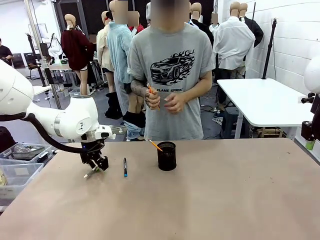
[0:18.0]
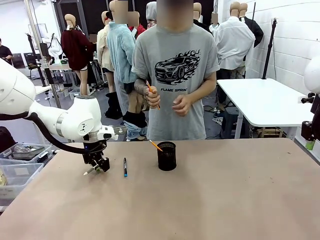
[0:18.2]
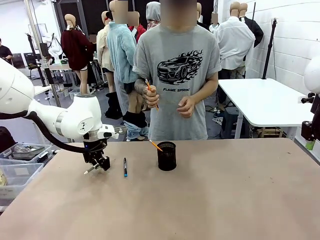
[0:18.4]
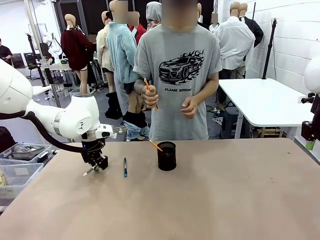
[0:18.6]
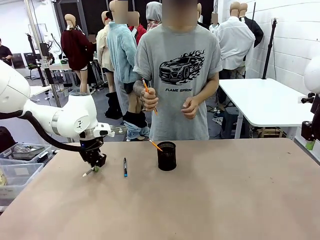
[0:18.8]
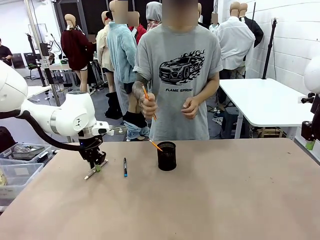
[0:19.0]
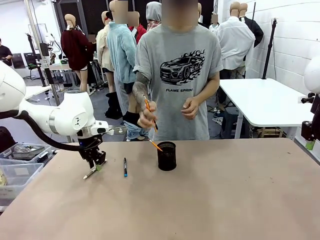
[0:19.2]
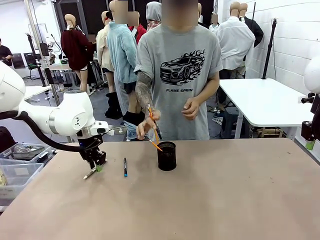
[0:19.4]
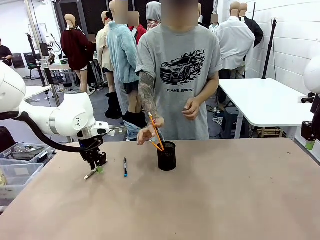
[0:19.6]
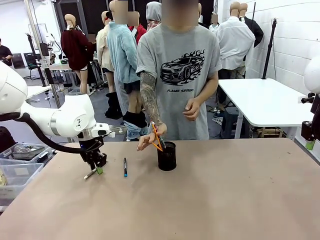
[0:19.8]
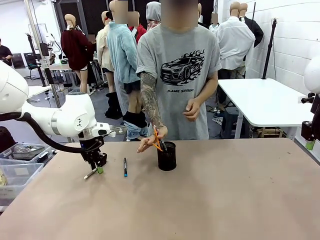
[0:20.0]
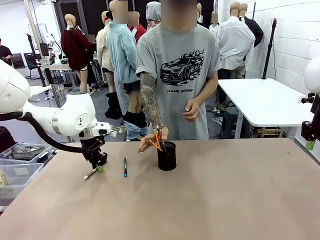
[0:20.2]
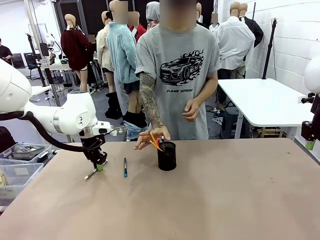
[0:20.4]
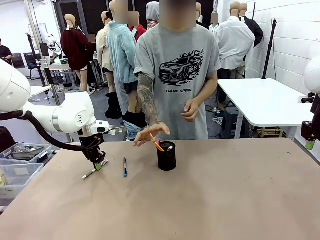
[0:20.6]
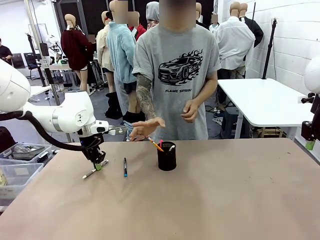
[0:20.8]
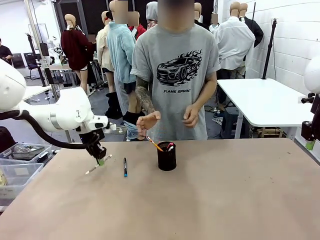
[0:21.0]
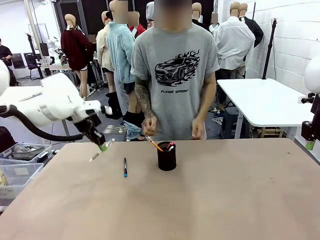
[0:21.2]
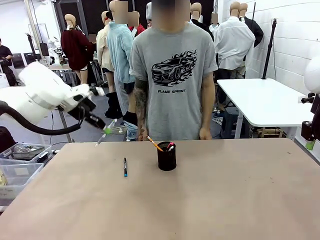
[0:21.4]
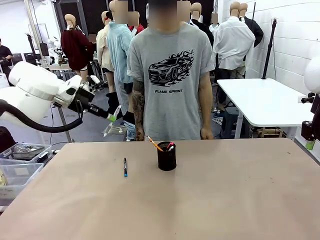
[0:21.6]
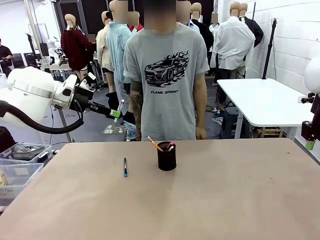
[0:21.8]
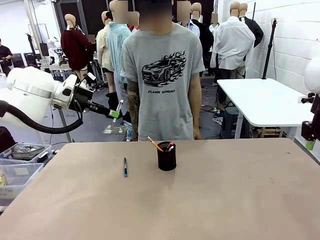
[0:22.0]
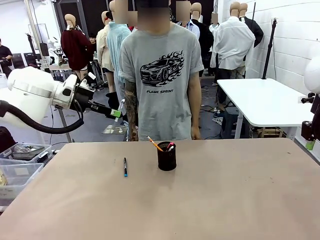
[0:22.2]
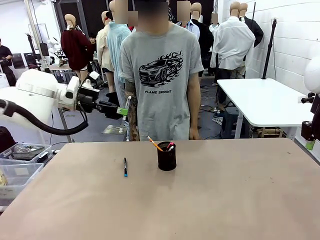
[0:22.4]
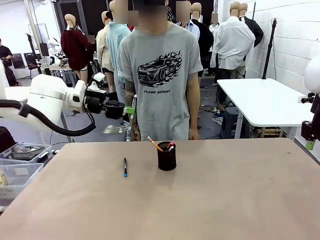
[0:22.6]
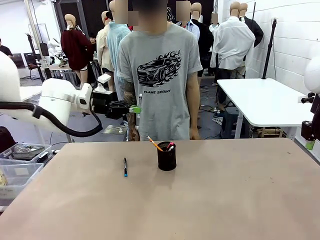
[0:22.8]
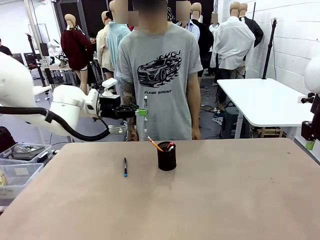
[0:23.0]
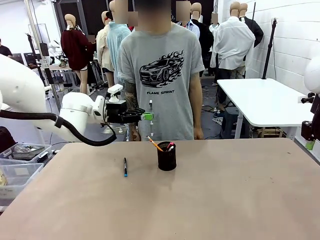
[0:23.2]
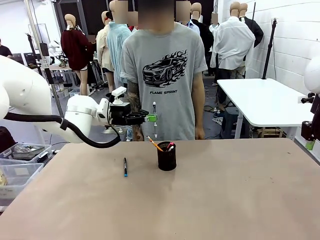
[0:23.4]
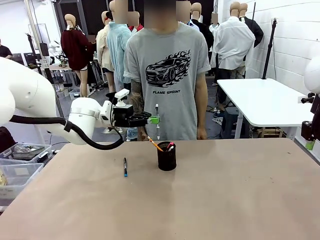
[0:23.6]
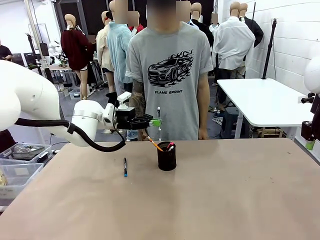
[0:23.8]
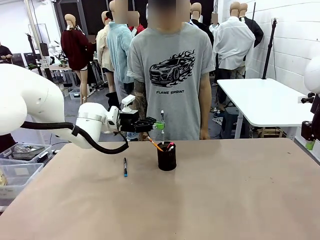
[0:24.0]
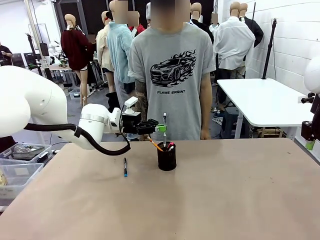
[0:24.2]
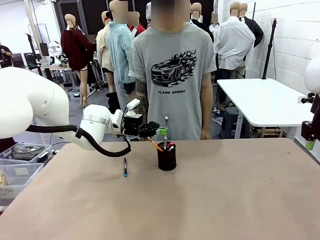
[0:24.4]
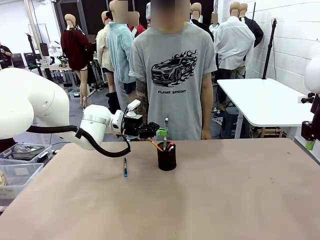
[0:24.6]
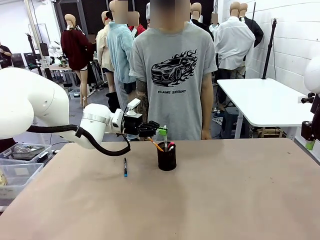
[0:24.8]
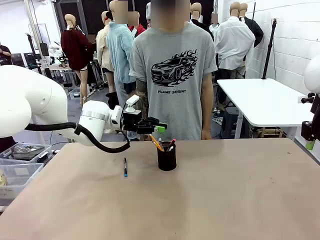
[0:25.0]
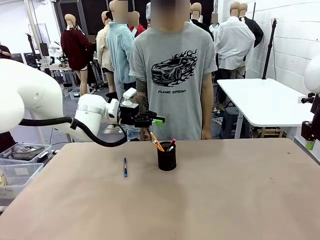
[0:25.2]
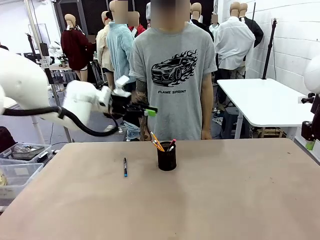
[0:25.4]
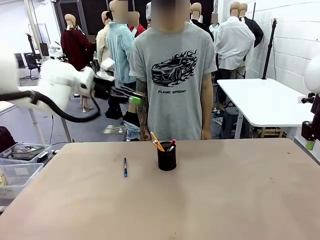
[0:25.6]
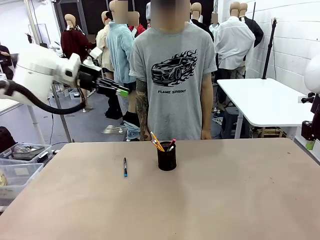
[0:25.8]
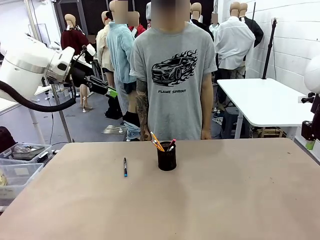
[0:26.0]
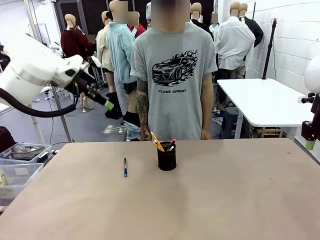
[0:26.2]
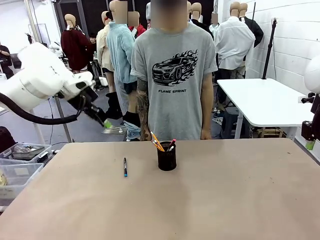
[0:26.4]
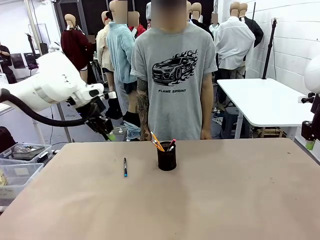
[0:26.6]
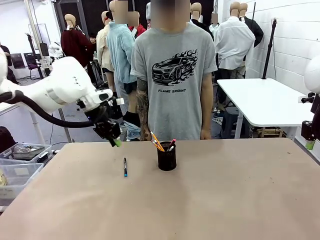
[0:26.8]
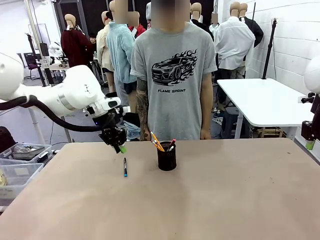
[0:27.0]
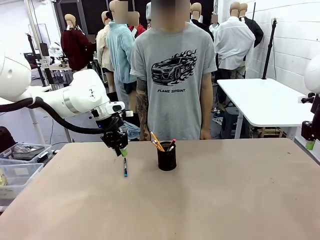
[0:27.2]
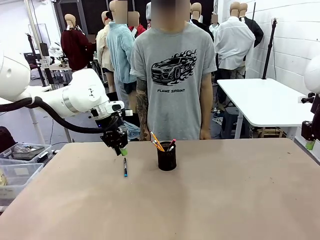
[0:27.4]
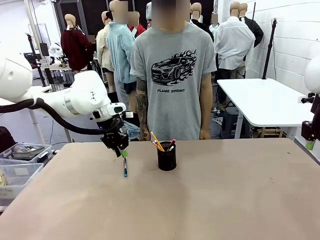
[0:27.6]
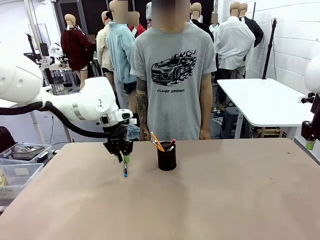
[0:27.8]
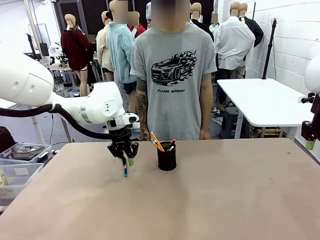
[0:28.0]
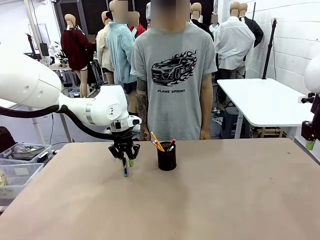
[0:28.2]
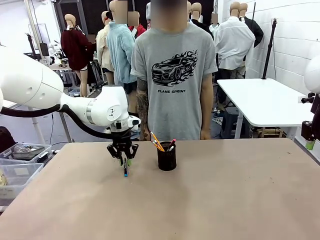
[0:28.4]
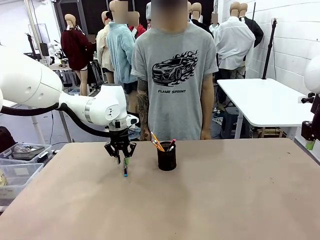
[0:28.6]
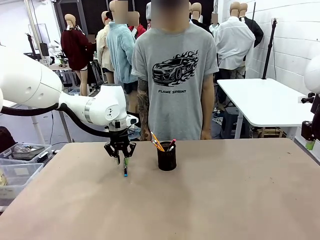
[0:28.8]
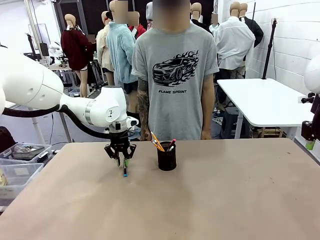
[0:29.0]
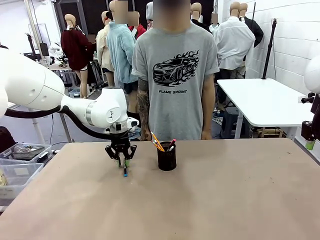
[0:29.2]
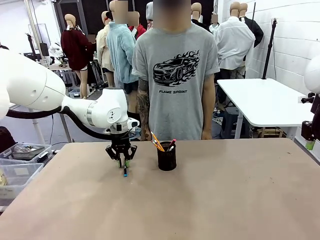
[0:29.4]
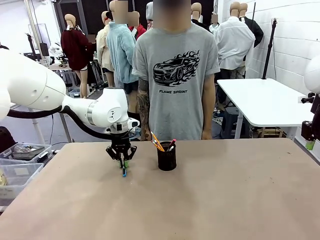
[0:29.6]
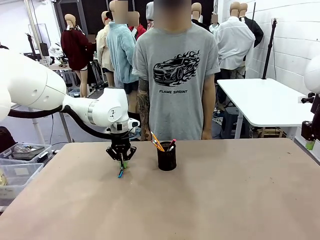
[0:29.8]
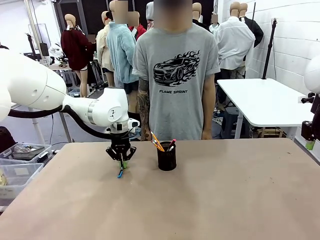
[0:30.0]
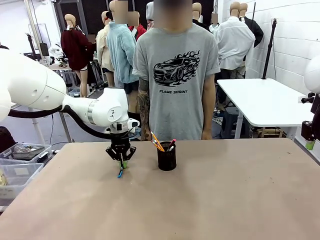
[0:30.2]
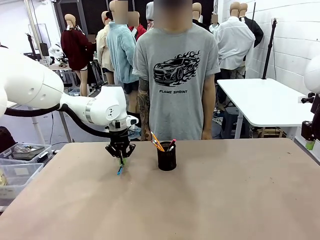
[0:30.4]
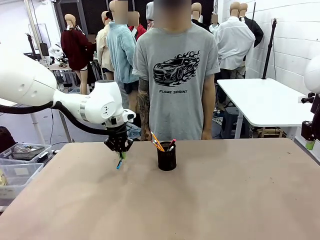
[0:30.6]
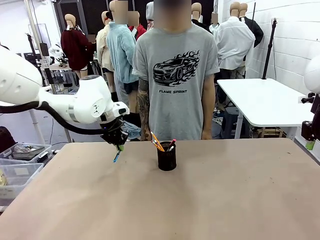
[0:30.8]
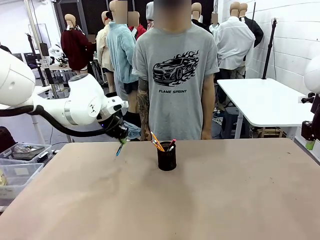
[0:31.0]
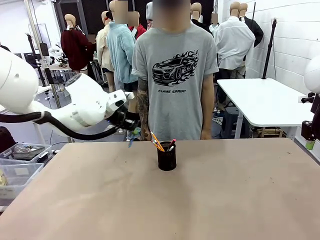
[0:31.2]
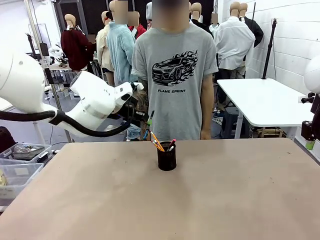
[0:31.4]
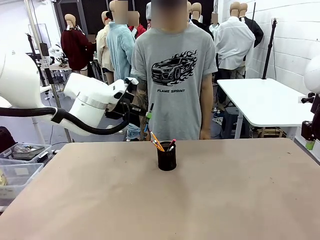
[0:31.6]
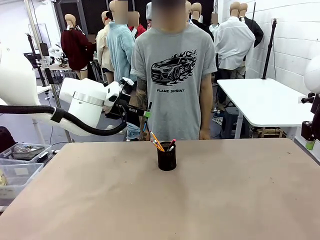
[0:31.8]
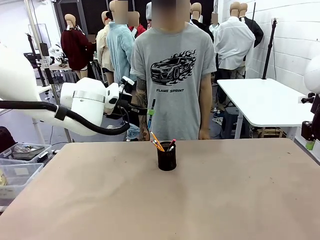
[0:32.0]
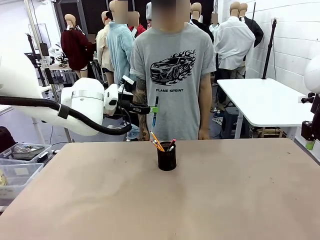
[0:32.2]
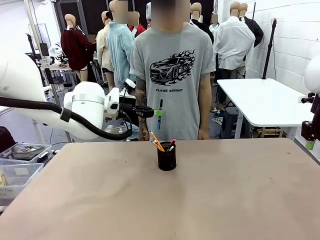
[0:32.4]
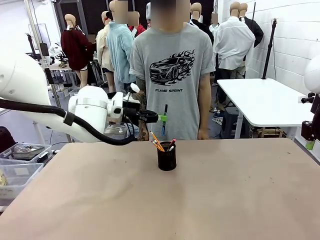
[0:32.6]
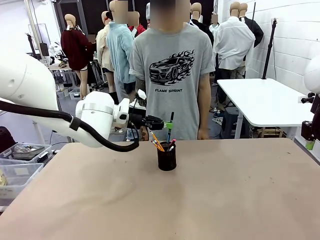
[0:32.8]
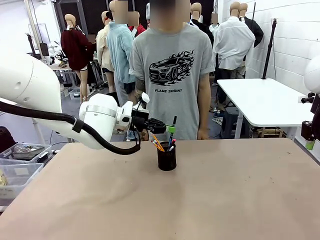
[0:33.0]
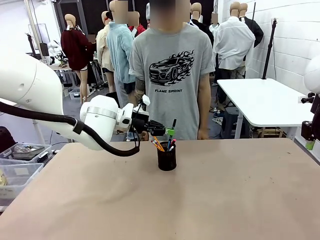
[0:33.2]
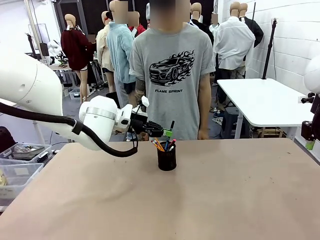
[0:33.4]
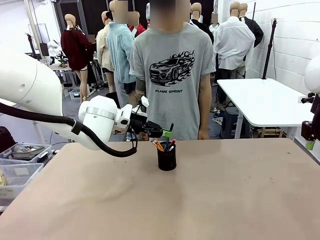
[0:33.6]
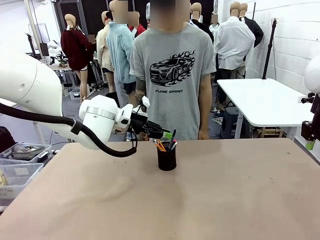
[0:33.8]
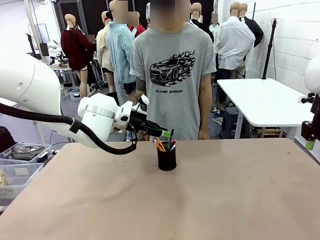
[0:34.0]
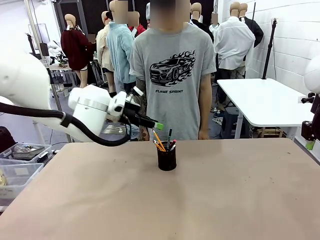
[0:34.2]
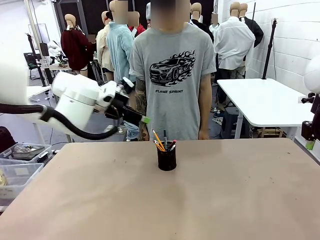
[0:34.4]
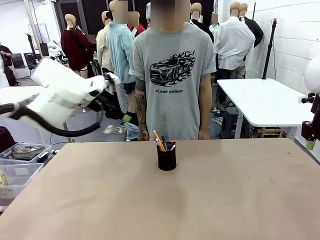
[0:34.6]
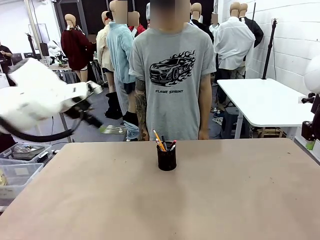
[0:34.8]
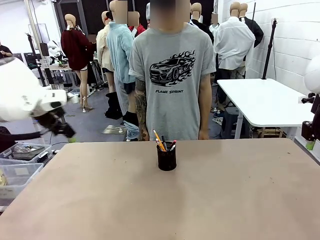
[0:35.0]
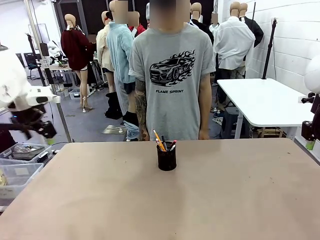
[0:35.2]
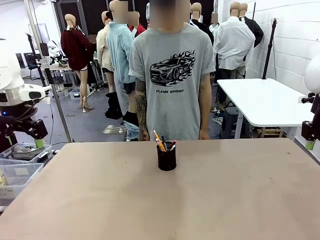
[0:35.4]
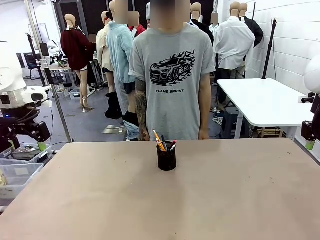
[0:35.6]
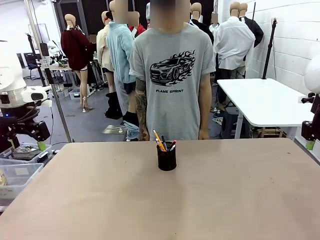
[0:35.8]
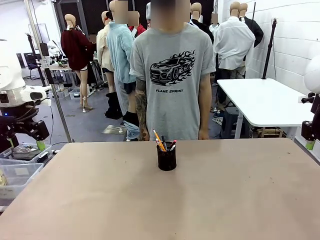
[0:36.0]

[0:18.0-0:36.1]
Task: Place the pens into the pen holder.
Robot: Pick up a writing instrument from the table and place it into the Pen holder.
Person: Place all writing instrument into the Pen holder.
